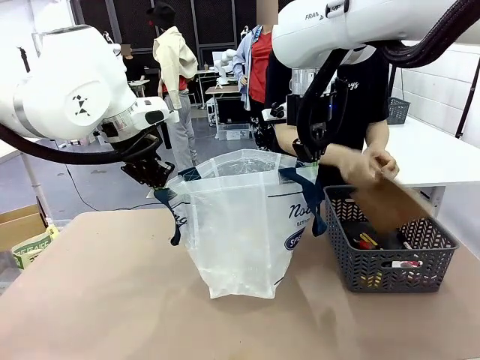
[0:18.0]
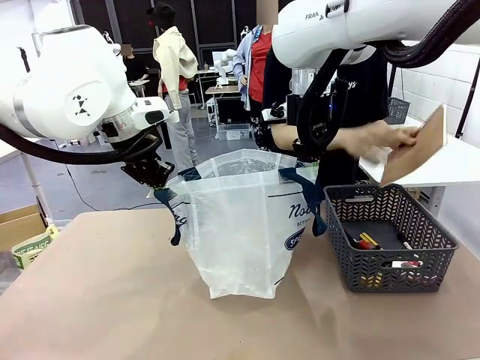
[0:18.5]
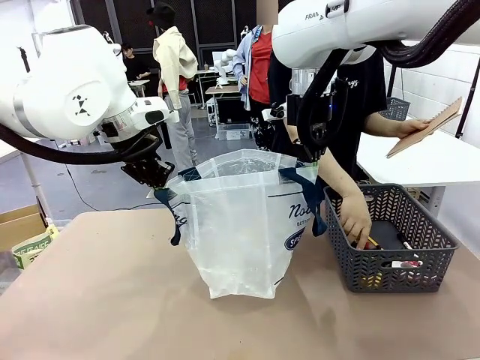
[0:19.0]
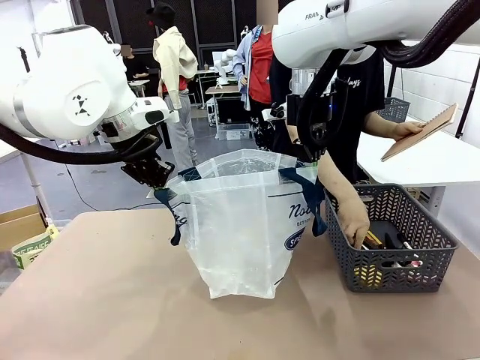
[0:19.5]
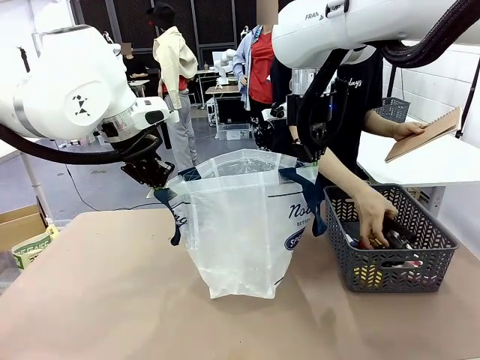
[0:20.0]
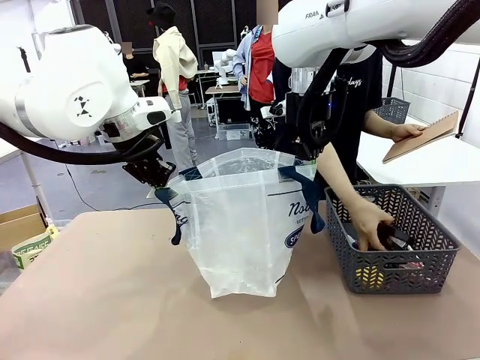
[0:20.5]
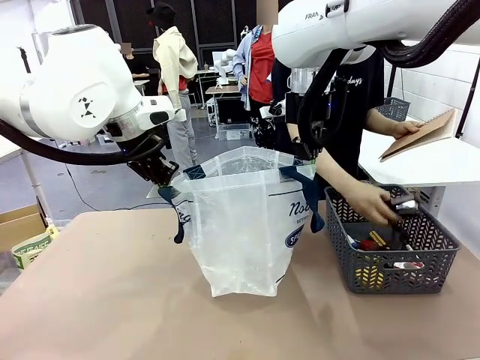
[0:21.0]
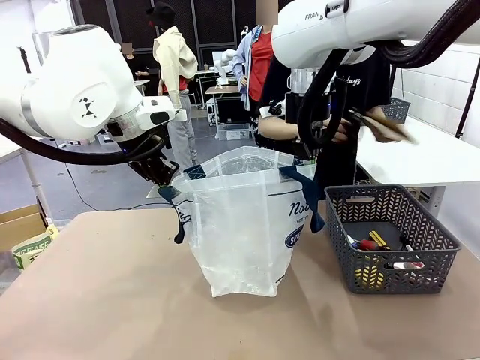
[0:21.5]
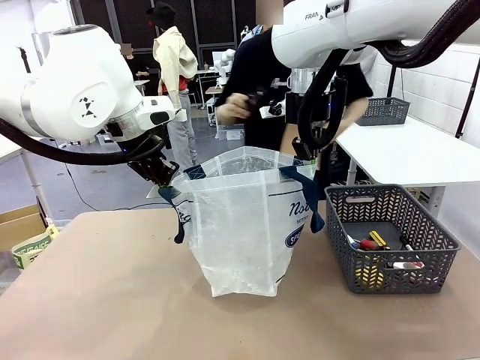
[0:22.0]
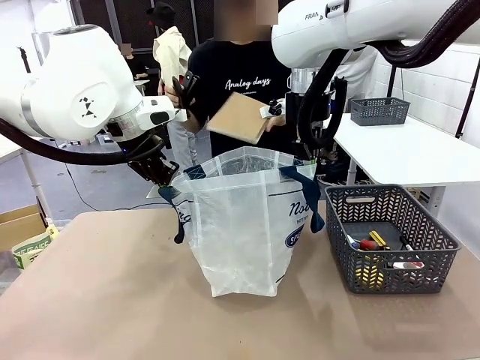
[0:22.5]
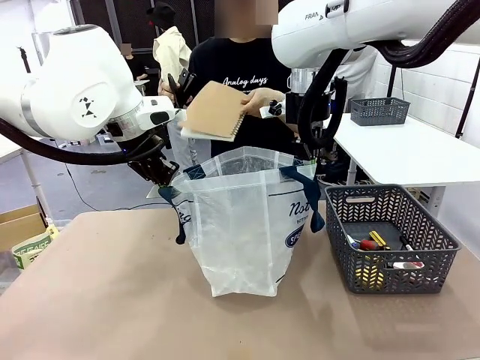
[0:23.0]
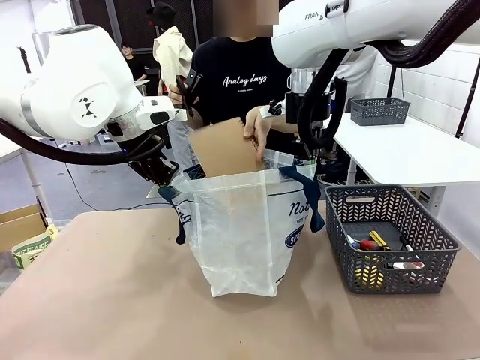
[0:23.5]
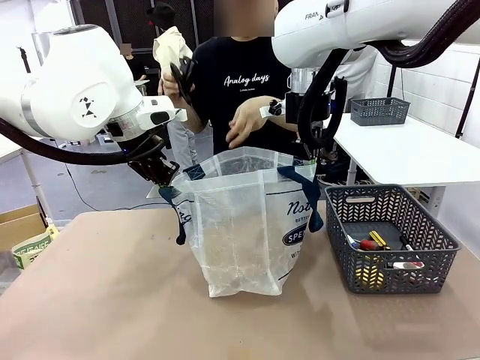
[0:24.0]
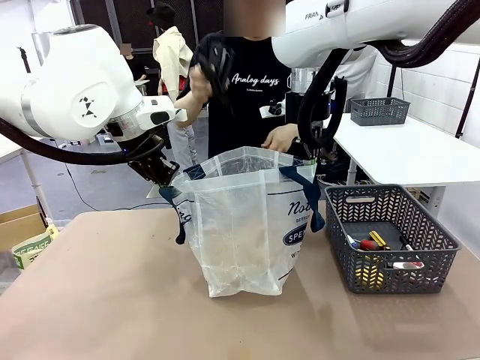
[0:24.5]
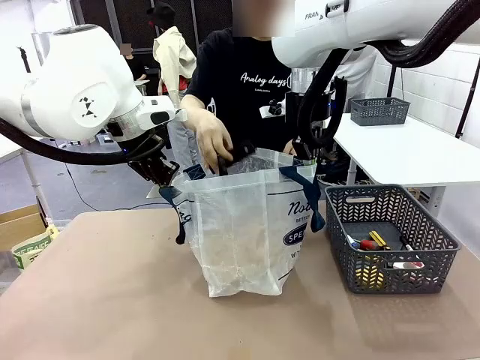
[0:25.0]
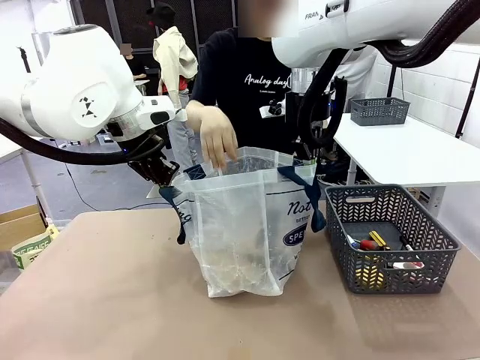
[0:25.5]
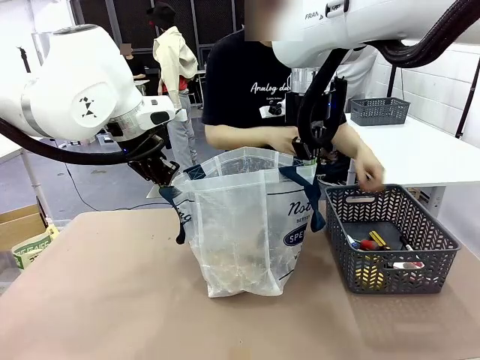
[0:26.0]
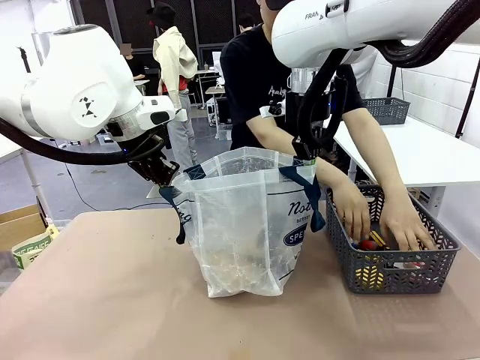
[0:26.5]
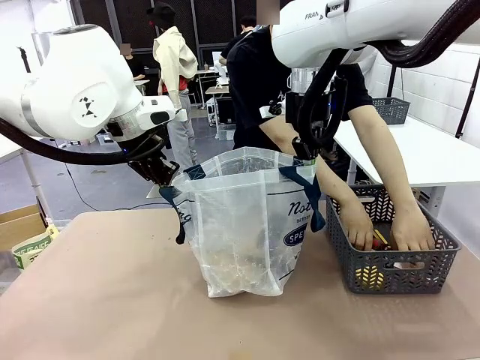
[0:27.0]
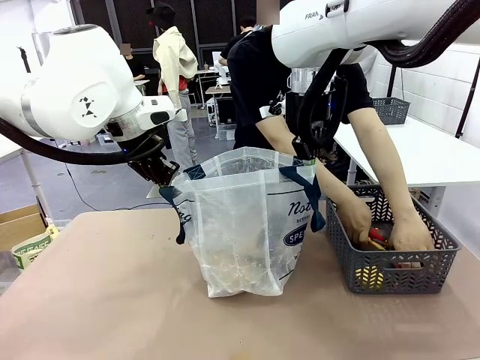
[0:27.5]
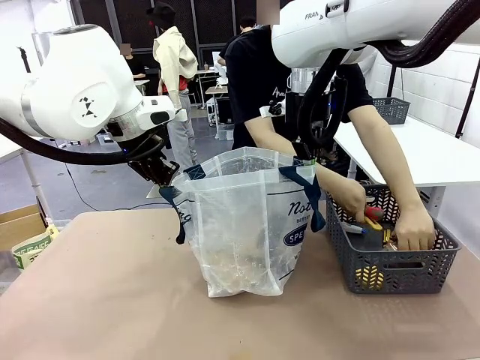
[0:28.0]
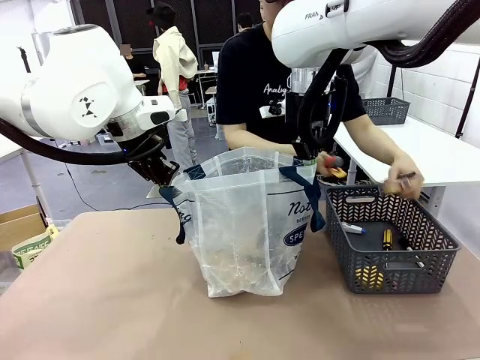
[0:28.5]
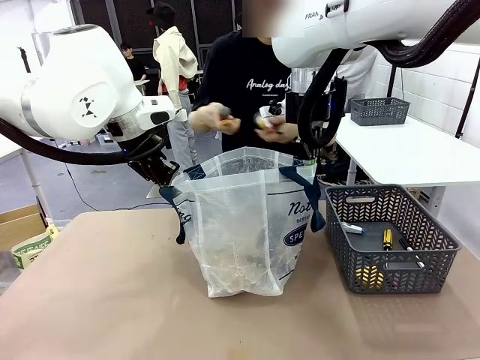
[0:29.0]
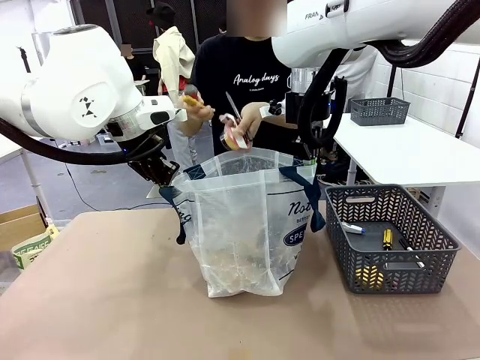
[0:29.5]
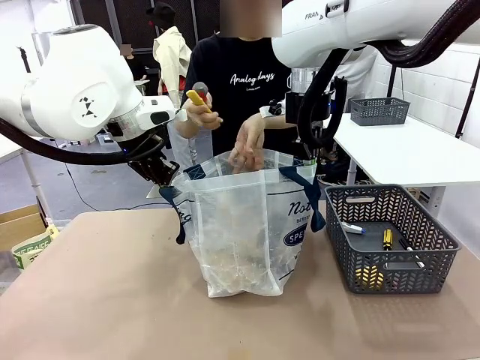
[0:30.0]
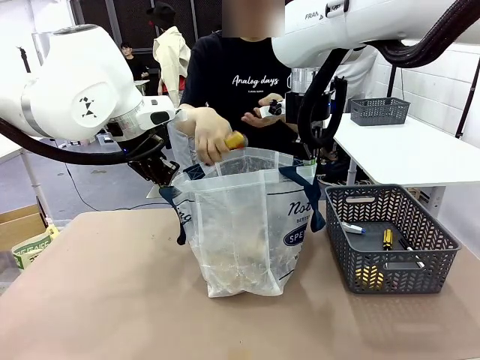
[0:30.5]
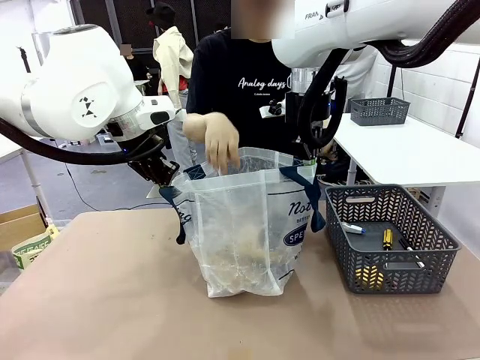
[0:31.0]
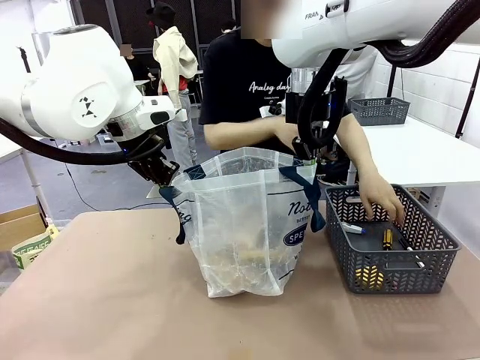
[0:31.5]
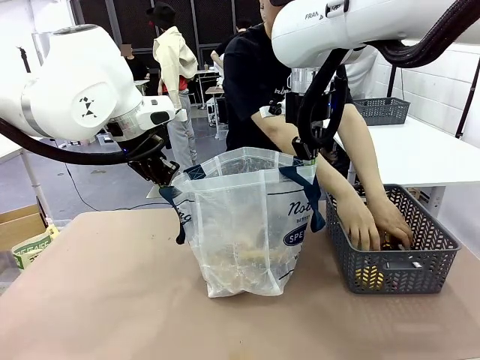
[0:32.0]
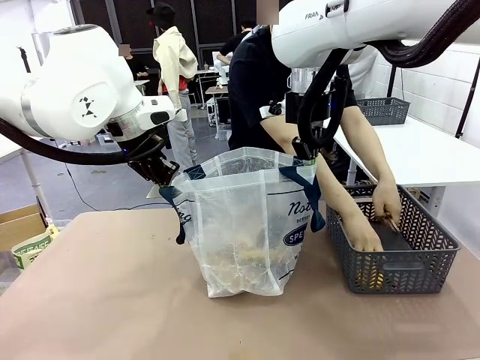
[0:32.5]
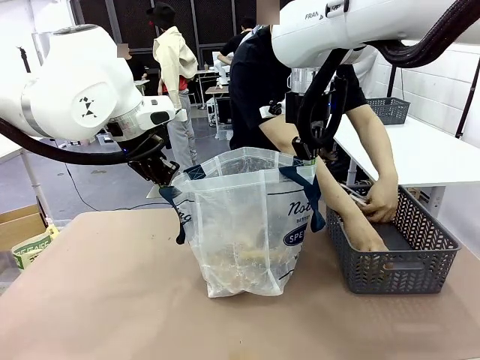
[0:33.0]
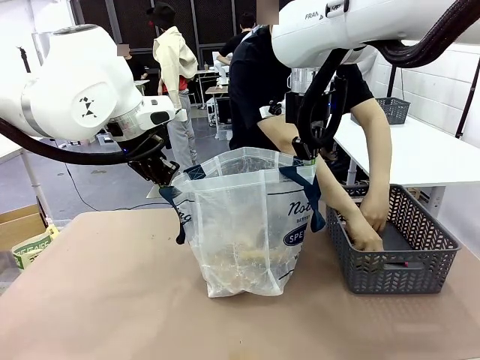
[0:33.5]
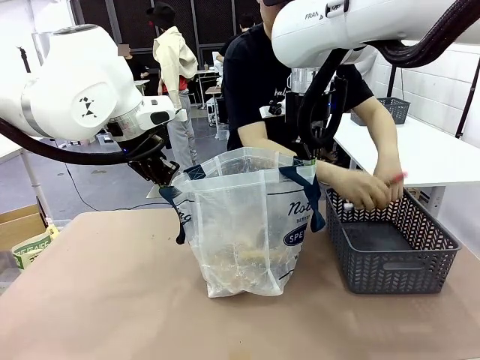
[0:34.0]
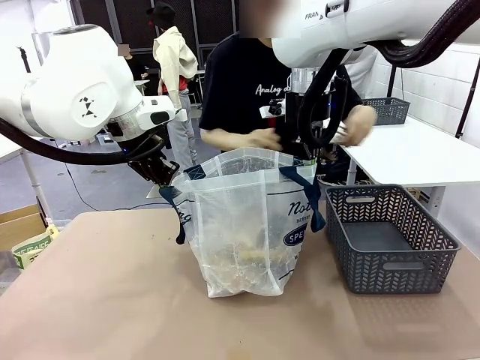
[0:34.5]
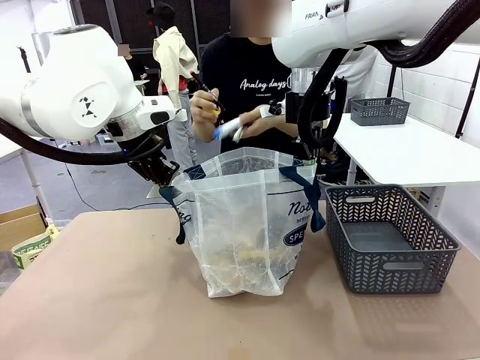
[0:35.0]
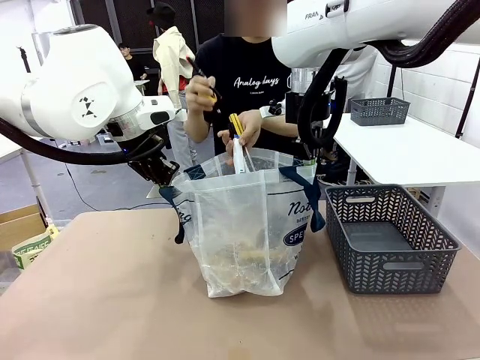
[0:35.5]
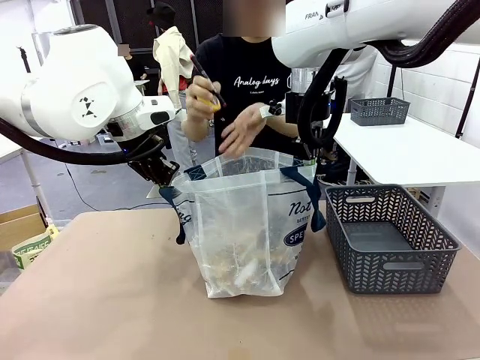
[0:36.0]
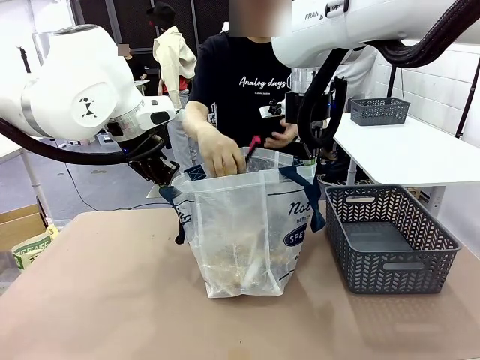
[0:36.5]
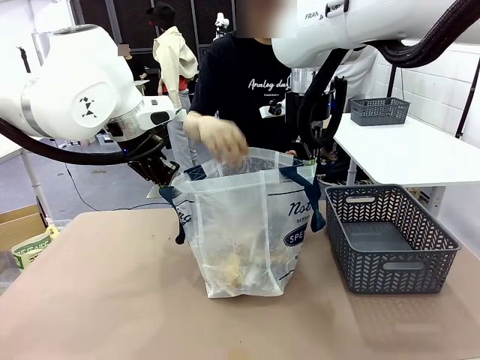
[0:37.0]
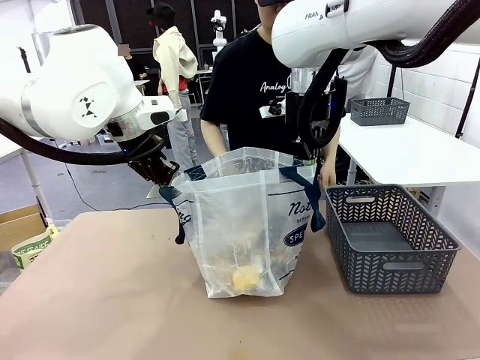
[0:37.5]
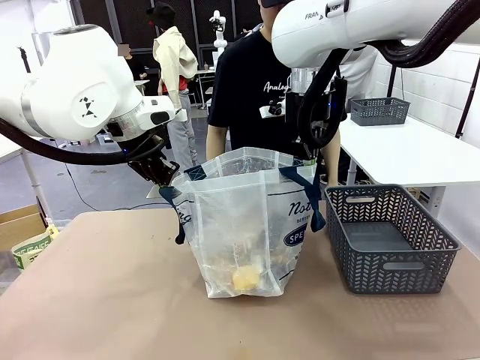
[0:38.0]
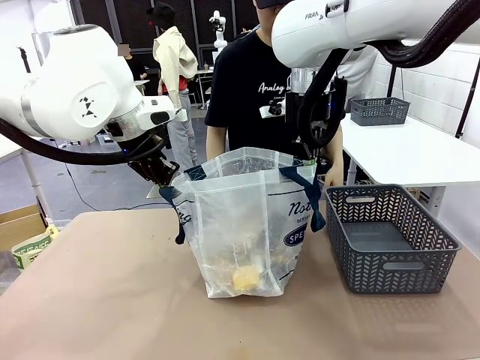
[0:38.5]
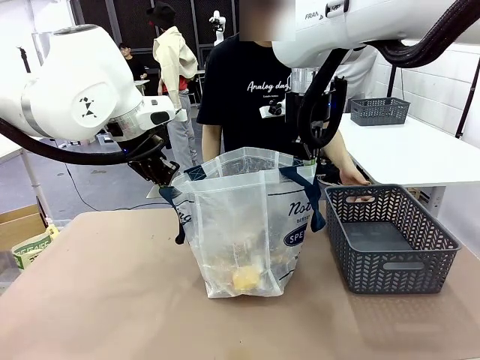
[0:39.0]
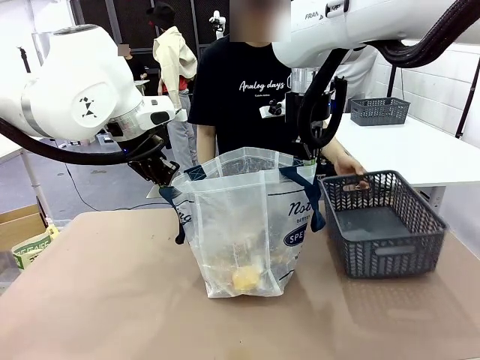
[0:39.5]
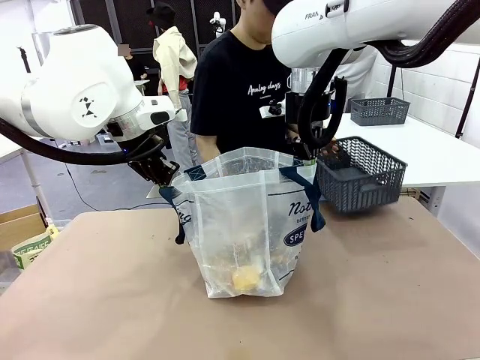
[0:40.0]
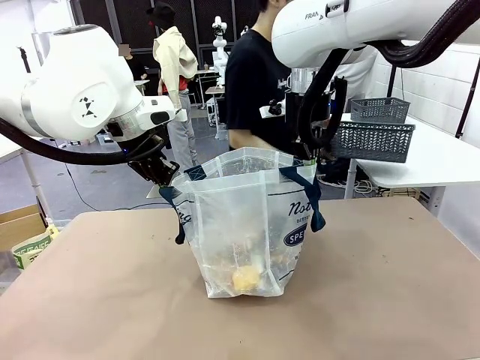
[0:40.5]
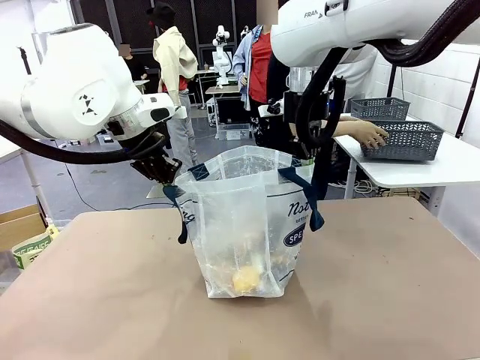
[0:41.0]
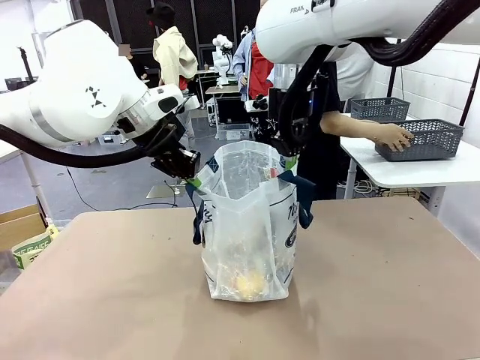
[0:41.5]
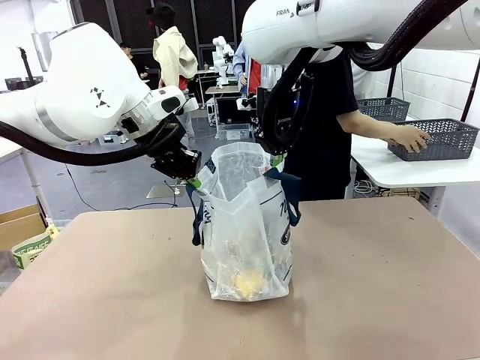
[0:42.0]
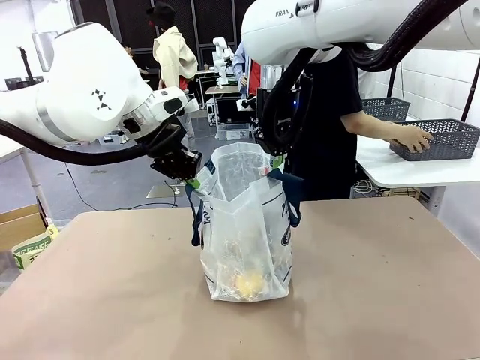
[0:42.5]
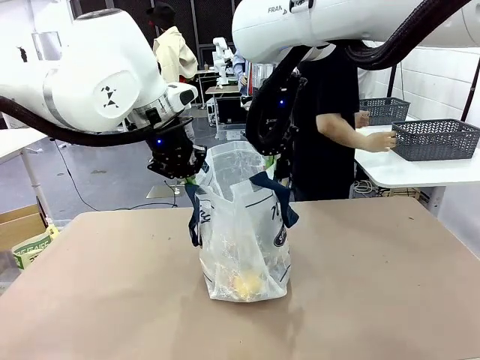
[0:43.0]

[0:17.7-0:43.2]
Task: Transfer purchased items from the store into the shopping bag.
Robot: Move the Reusable shopping bag to the right side of the table.
Person: Pick up the basket on the right, place it on the left side of the robot table, and move the items in the basket to the shopping bag. Pick up the basket with the items out and place it on the right side of the human table.
